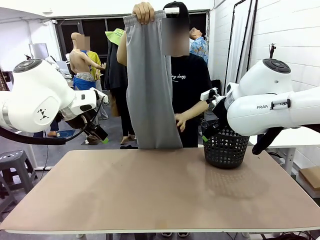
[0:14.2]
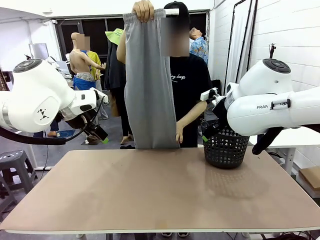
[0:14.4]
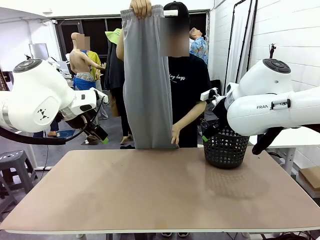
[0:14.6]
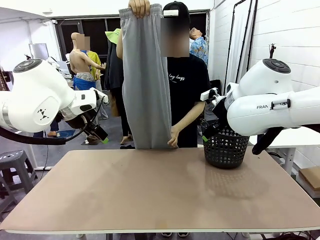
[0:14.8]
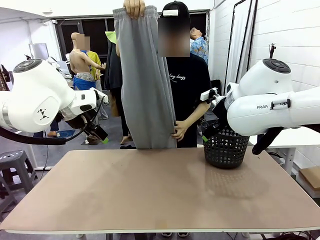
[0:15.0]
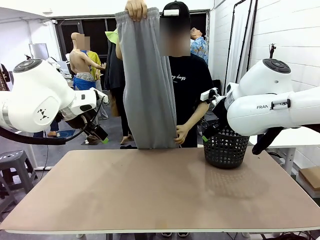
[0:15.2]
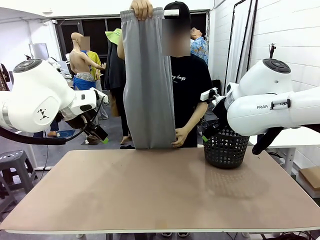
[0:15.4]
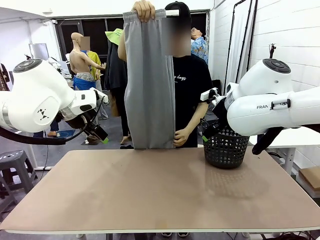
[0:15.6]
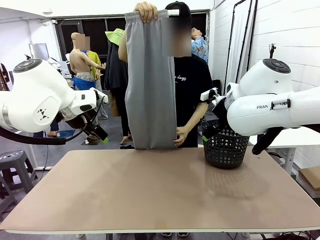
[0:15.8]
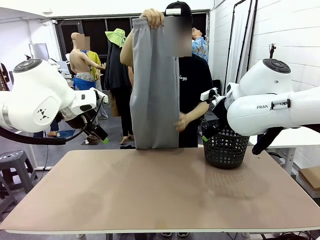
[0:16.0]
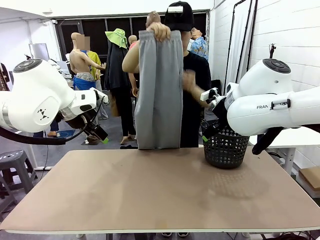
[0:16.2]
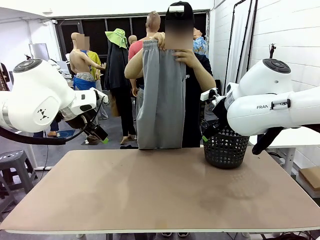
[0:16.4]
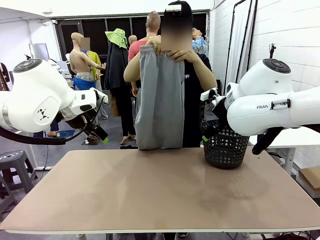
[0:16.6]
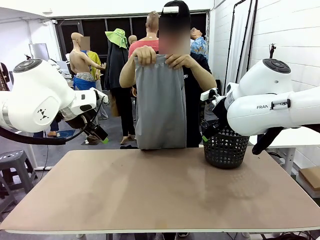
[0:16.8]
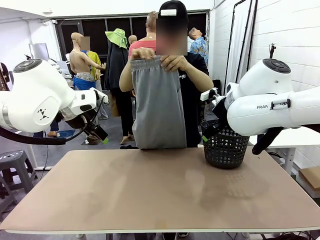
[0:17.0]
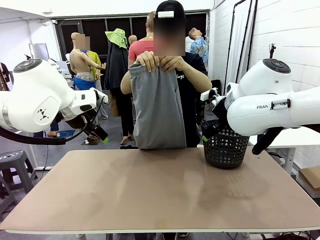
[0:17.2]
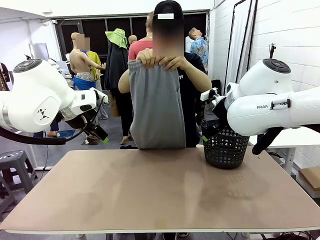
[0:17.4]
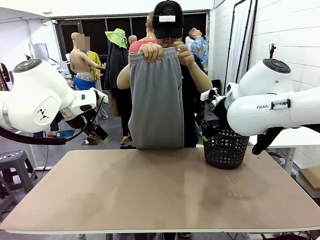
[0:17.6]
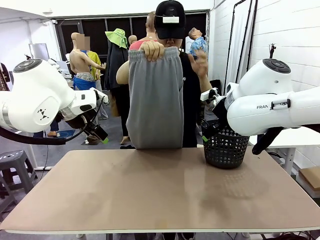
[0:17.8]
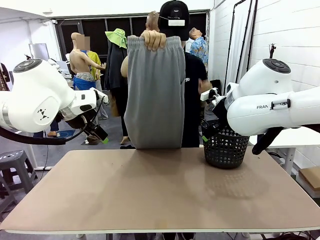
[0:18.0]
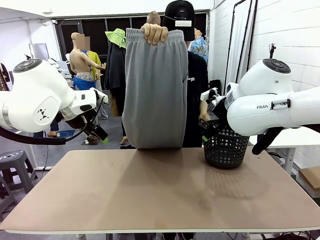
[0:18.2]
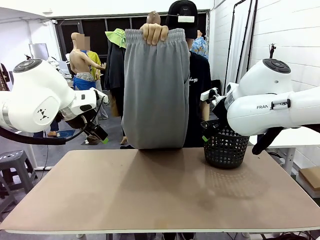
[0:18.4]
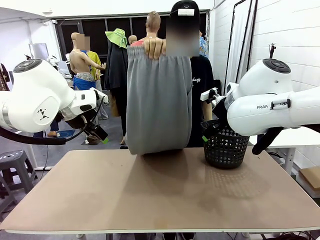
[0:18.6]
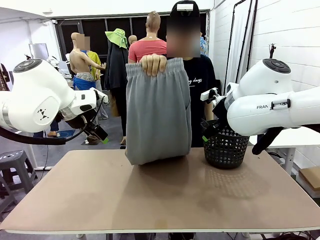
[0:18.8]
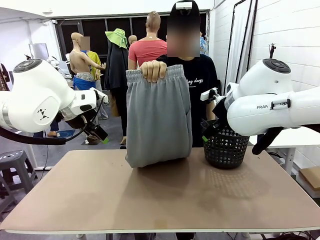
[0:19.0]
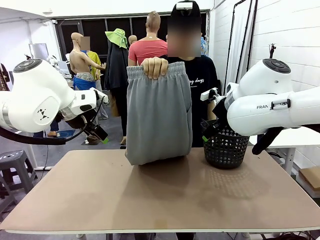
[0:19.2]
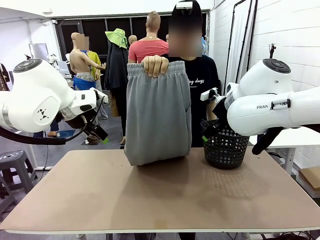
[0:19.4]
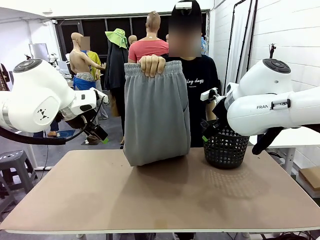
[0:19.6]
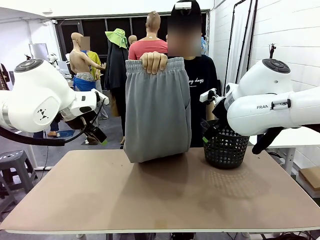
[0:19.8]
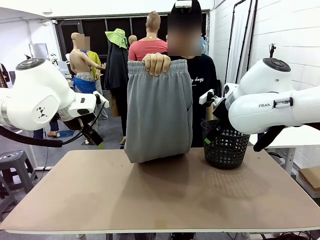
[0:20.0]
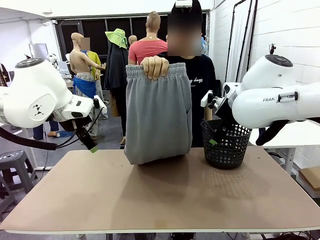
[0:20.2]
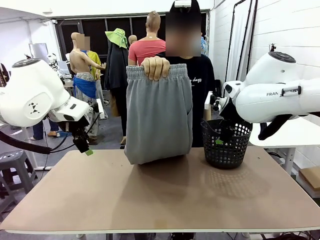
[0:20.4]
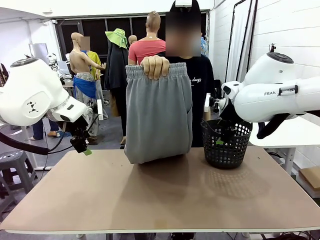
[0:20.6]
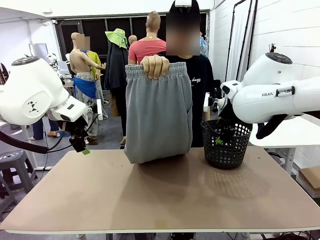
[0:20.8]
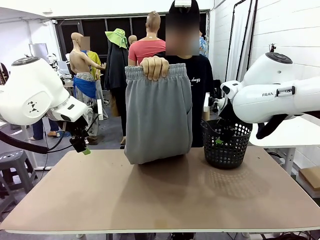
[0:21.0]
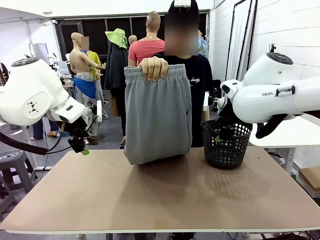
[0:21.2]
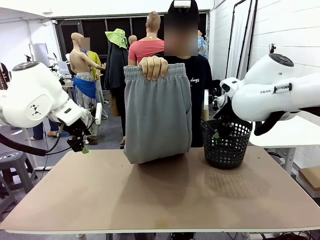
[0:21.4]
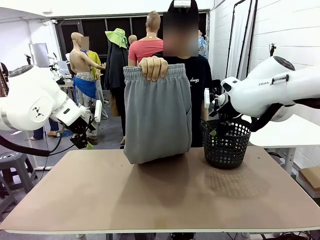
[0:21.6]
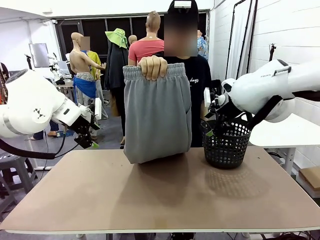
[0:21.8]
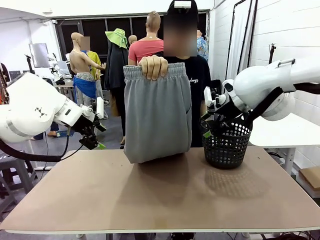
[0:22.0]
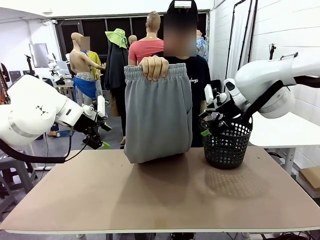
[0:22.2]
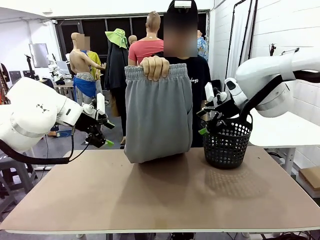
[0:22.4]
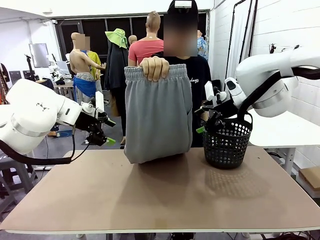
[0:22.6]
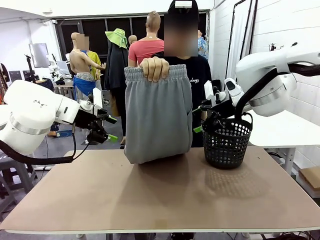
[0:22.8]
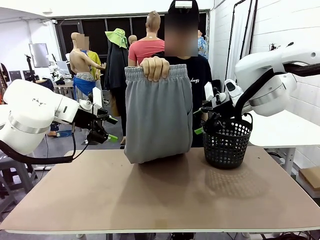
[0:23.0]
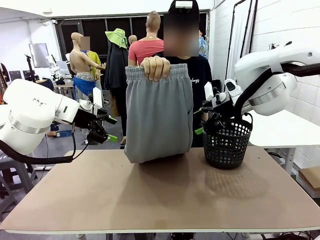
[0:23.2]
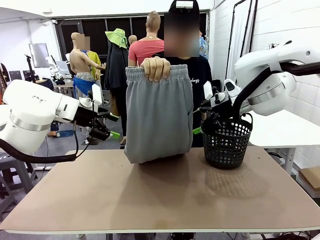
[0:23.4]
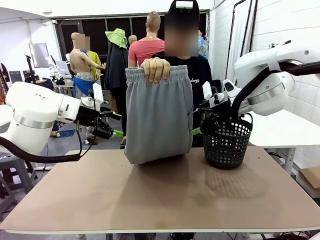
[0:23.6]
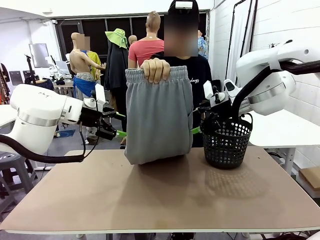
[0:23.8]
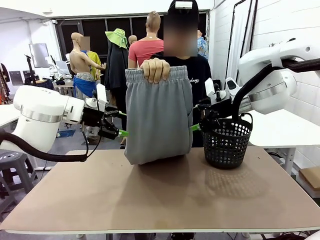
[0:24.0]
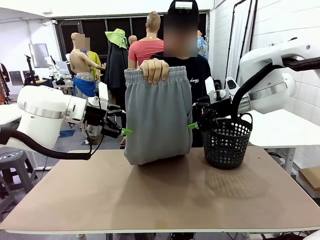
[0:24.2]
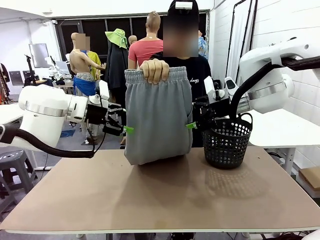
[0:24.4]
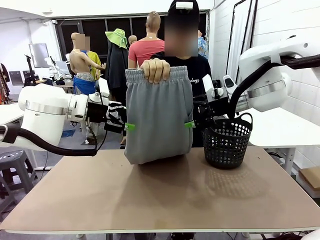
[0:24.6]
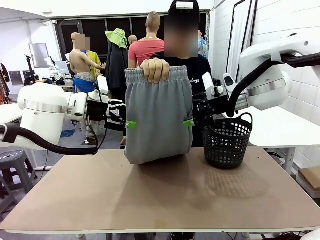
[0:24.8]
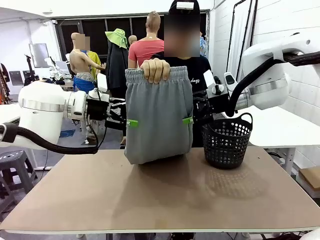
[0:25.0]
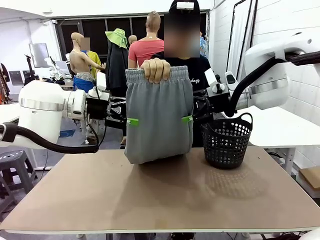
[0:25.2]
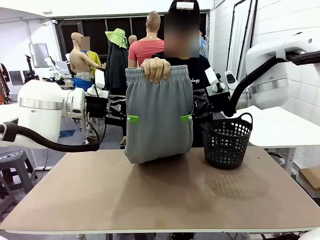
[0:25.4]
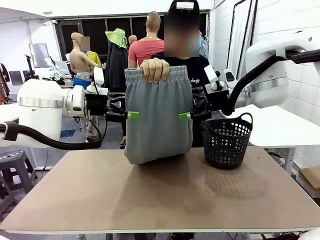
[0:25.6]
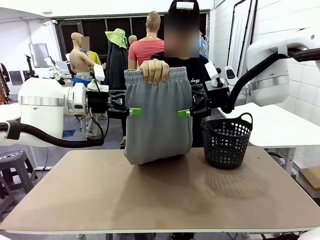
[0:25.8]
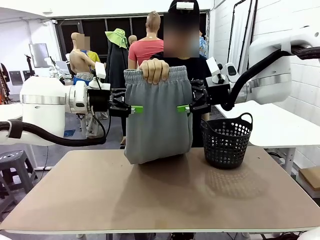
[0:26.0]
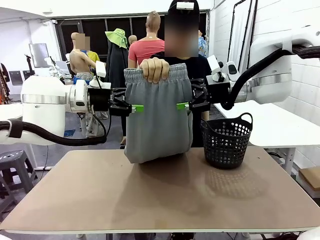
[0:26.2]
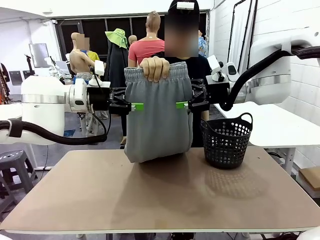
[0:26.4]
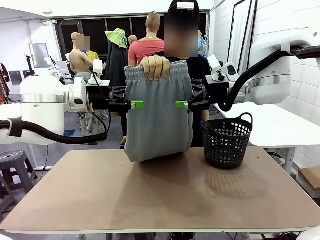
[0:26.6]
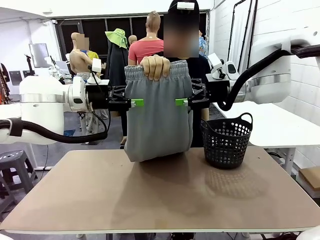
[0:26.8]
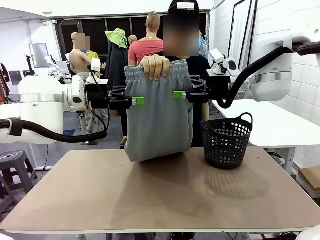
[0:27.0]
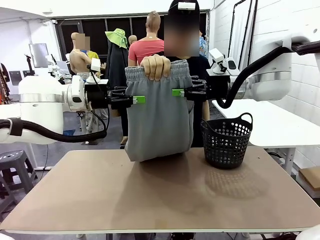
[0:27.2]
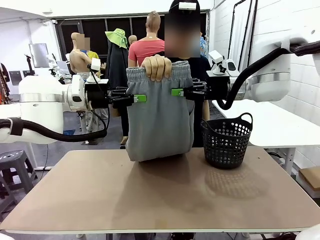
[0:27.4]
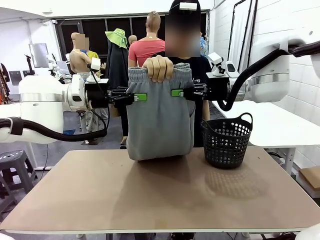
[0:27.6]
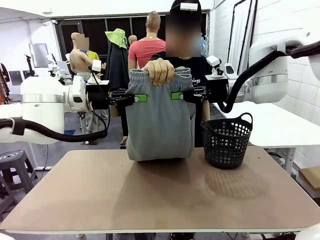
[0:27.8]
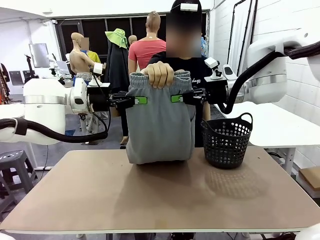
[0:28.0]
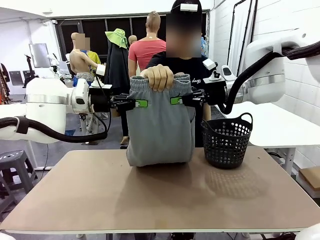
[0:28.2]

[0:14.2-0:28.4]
Task: Fold the training pants.
Robot: Grab both ends of the Training pants handed by a person.

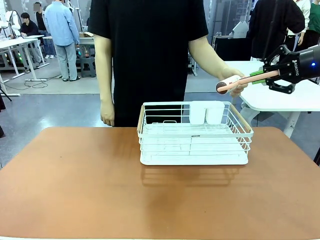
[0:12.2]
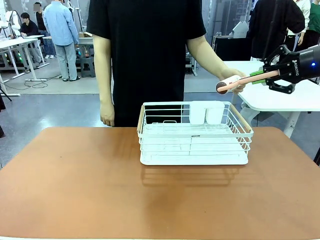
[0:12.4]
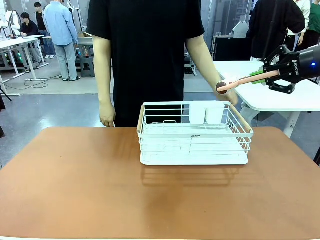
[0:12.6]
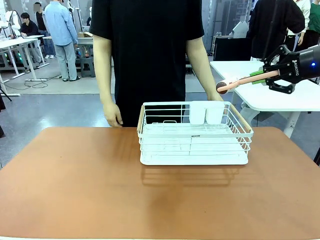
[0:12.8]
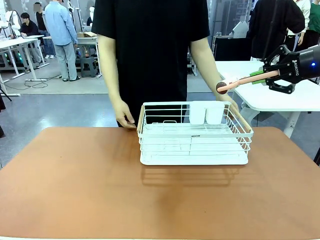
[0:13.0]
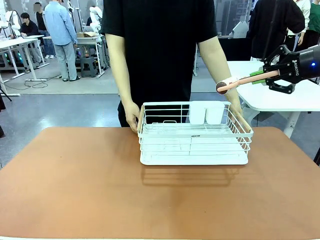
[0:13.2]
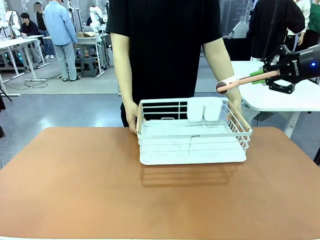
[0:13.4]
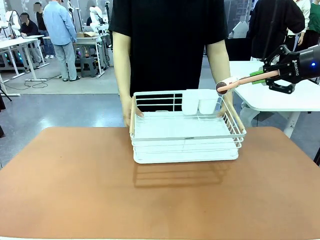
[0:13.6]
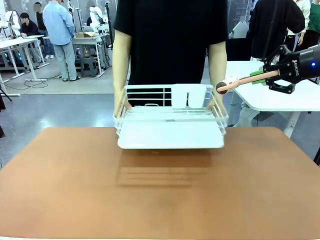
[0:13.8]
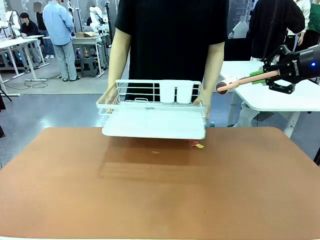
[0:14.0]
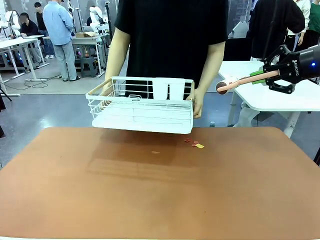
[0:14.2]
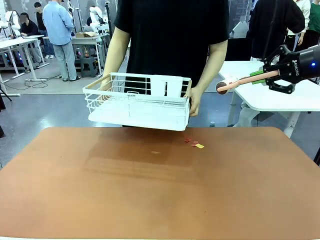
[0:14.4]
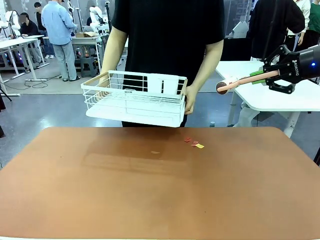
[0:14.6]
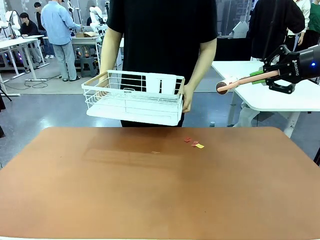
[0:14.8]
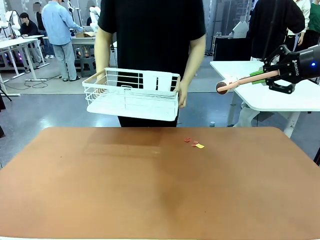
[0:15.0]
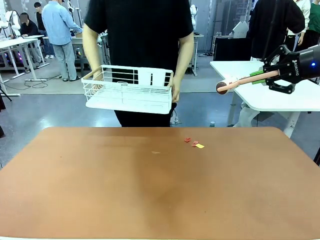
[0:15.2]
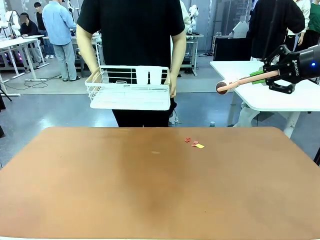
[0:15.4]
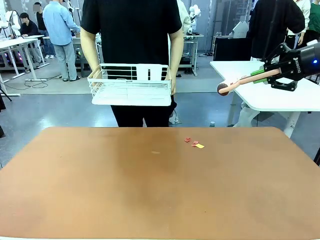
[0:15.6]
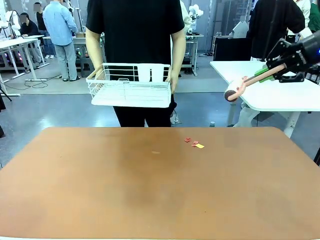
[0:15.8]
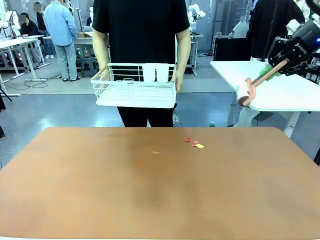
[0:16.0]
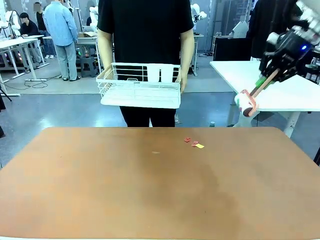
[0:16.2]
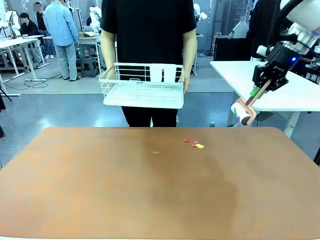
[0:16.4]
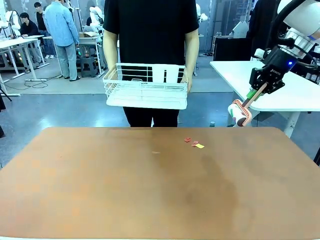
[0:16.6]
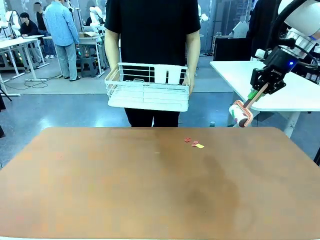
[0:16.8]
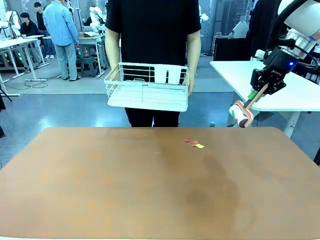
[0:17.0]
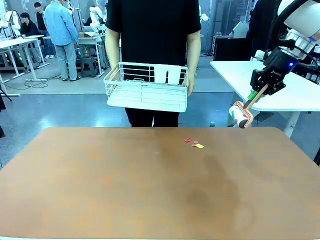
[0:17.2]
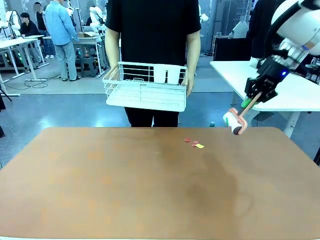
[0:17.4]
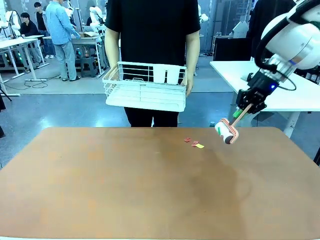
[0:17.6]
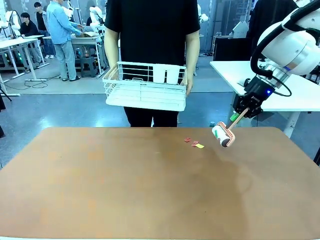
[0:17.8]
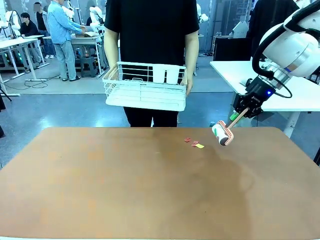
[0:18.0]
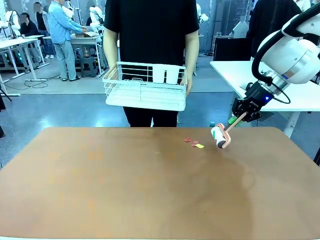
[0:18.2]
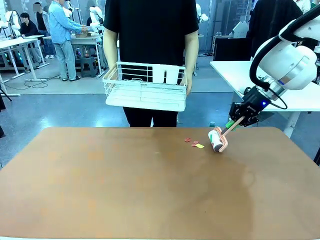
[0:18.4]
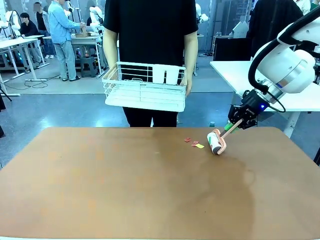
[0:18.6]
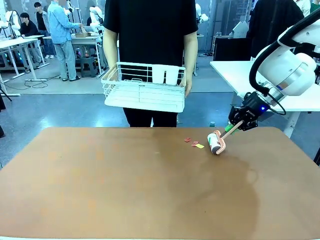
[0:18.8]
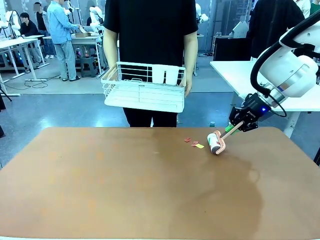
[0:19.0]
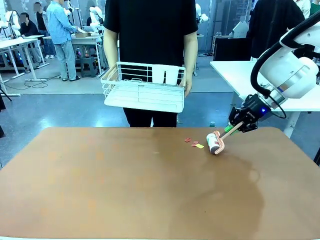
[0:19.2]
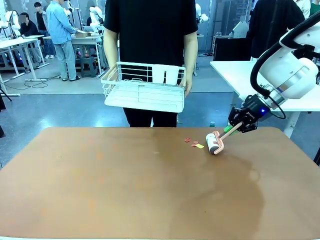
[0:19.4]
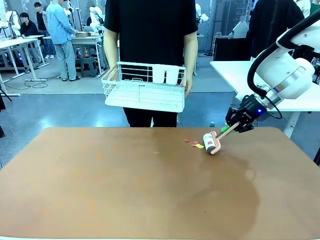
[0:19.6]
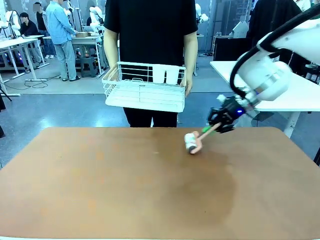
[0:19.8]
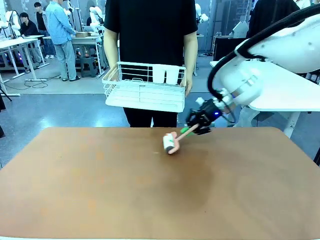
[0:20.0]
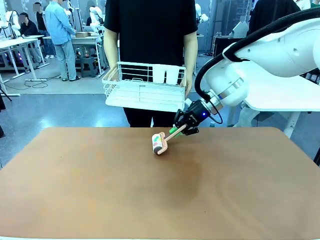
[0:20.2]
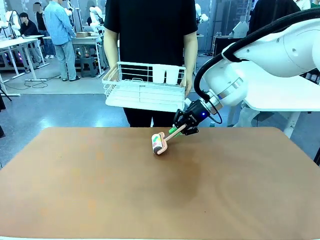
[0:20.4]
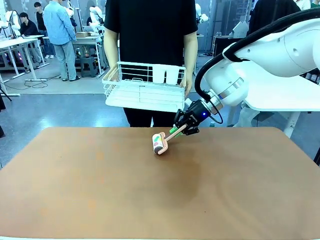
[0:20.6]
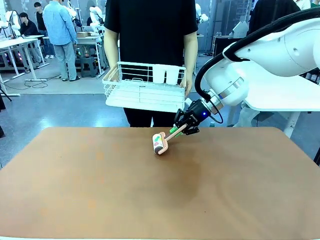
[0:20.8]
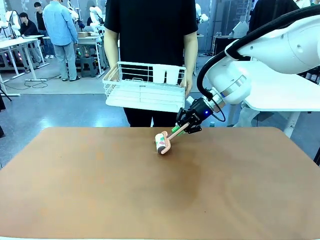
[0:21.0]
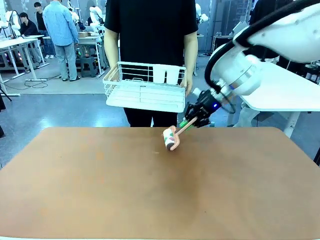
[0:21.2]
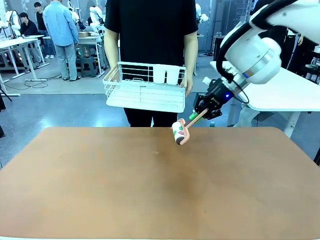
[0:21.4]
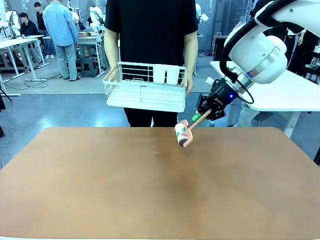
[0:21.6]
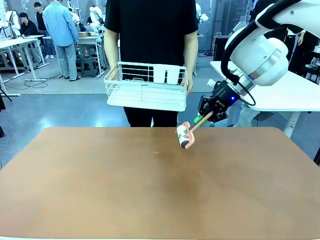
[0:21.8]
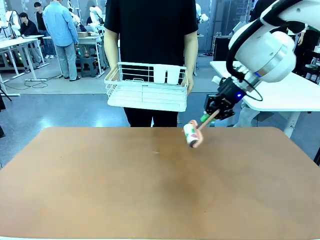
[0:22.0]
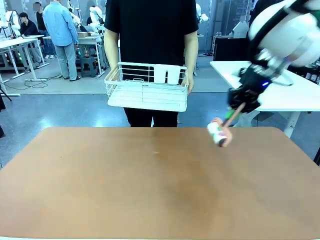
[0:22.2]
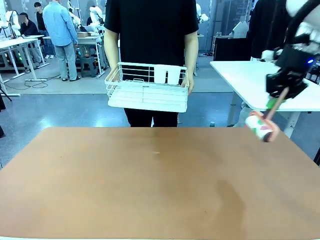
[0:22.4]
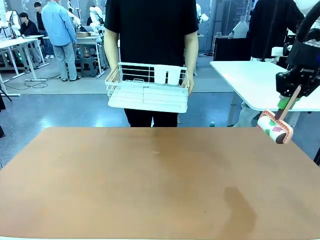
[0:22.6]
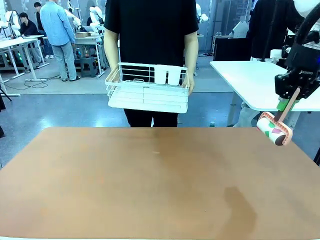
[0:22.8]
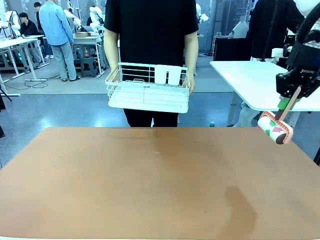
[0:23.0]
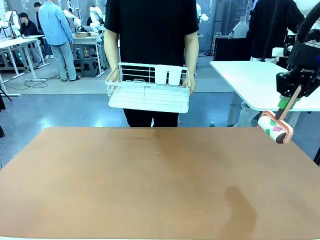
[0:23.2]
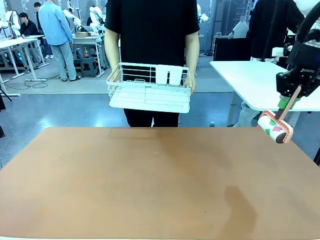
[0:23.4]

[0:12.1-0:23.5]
Task: Clean the table.
Robot: Clean the table with the Lint Roller when the human lifts the Dish drying rack.
